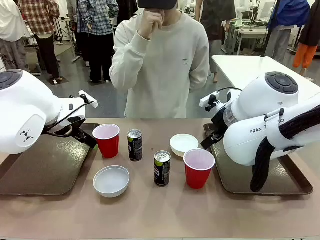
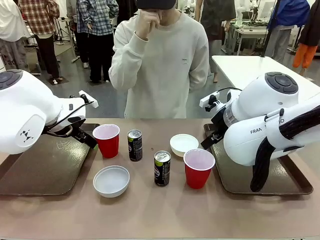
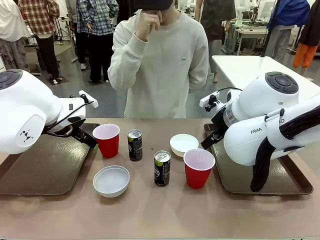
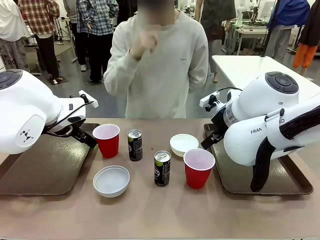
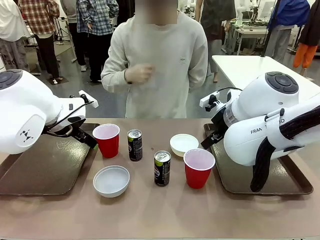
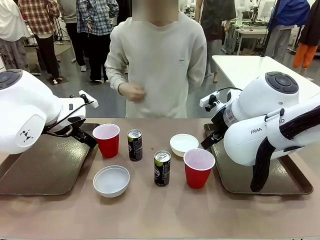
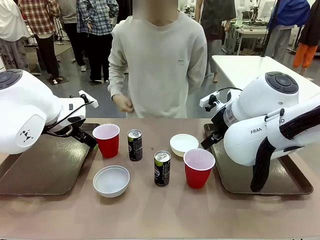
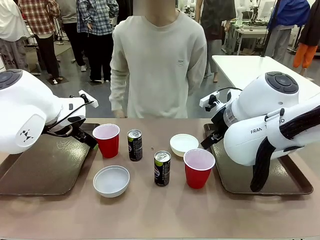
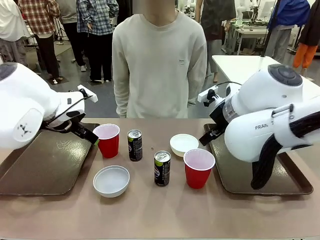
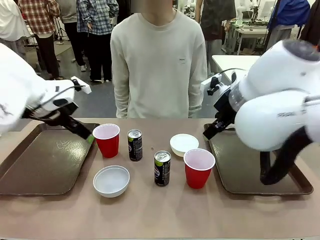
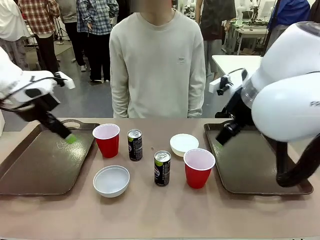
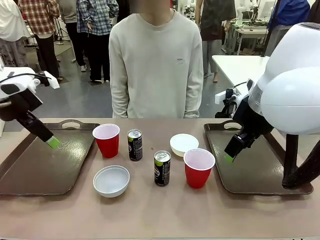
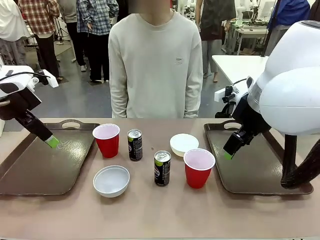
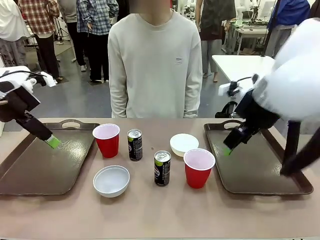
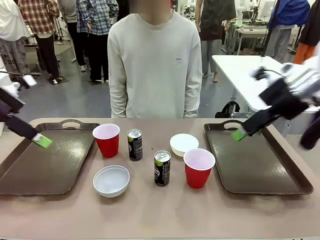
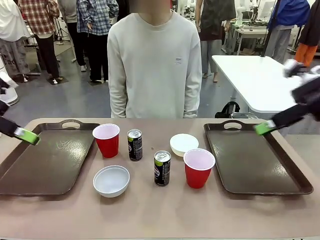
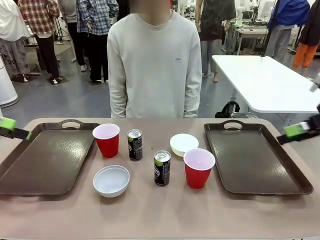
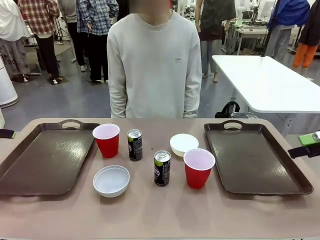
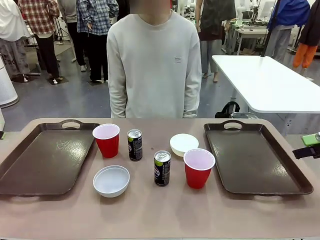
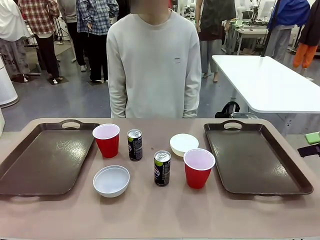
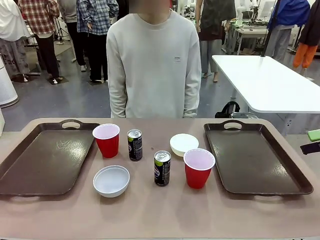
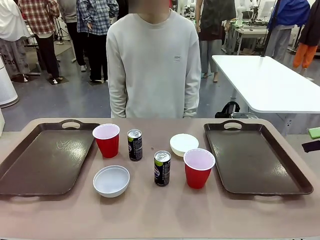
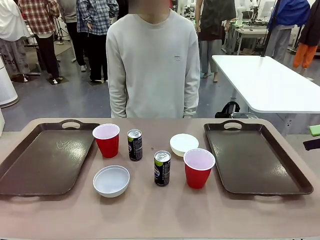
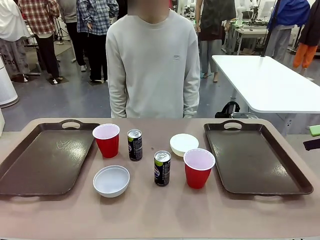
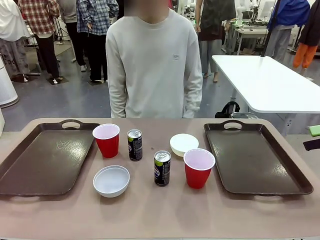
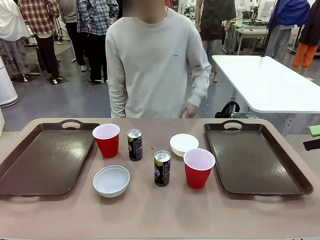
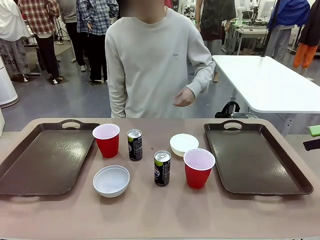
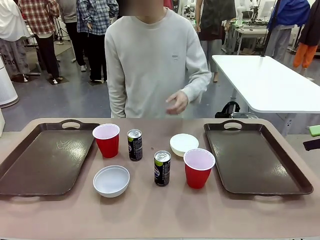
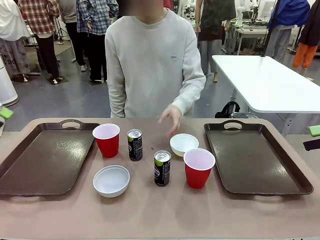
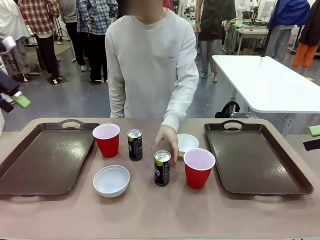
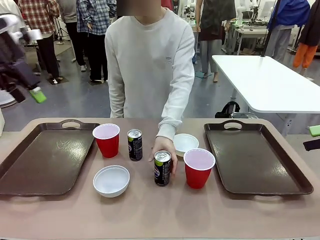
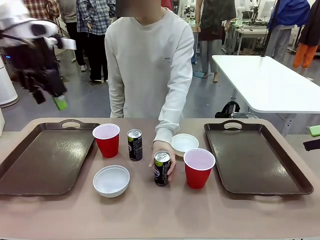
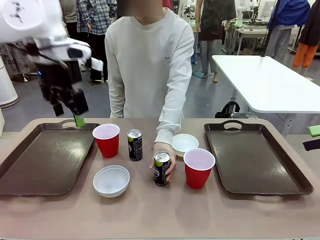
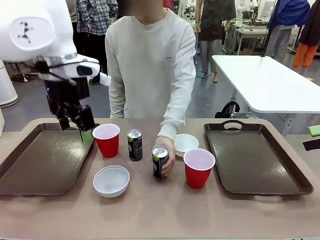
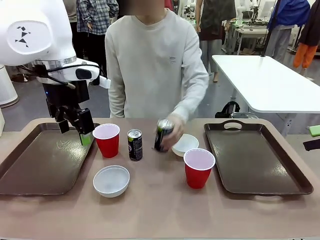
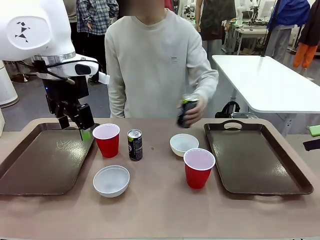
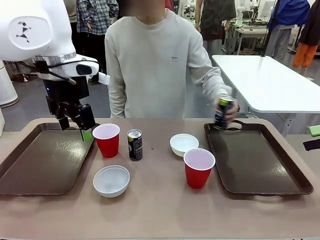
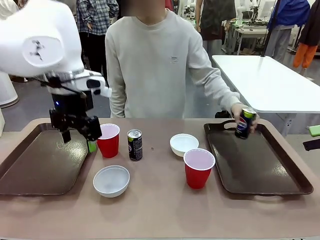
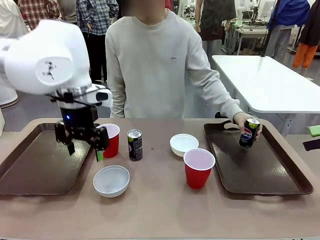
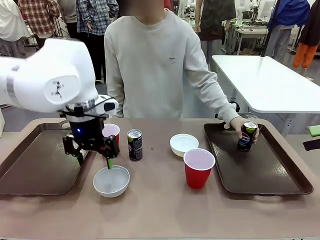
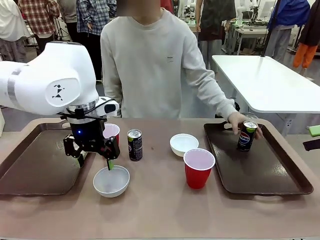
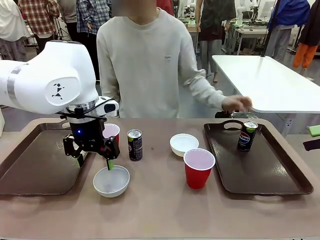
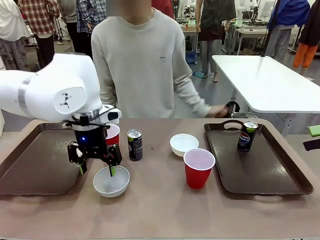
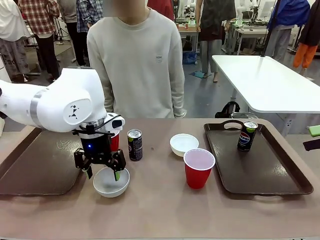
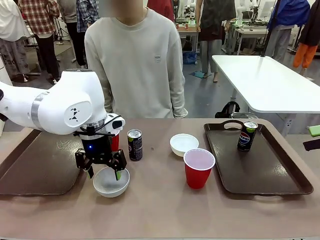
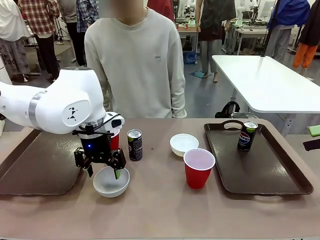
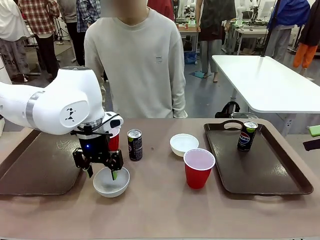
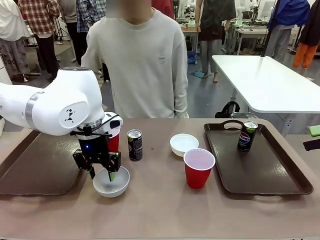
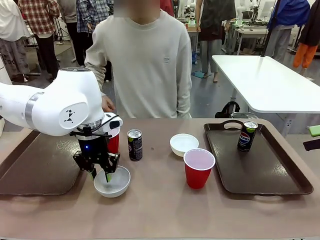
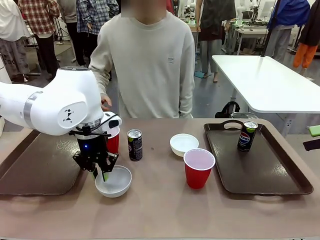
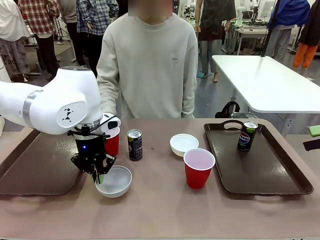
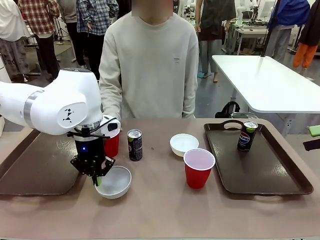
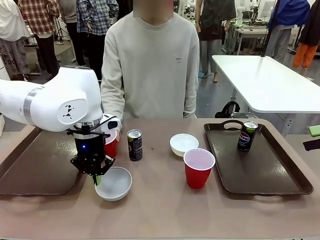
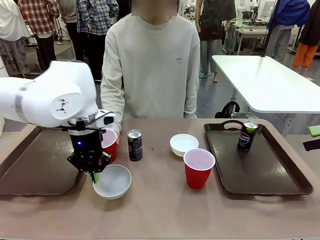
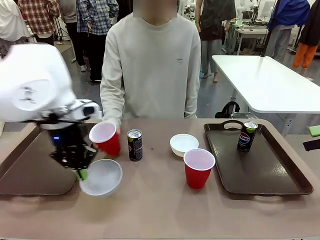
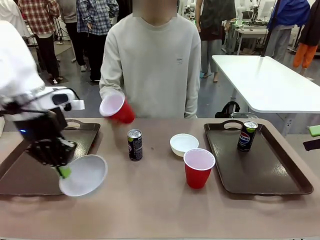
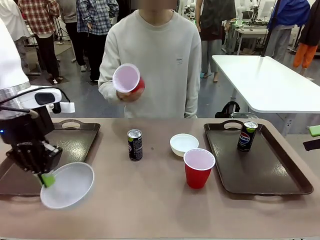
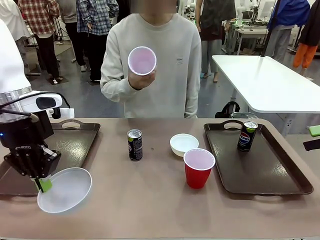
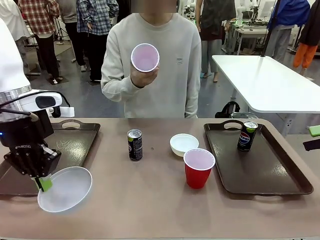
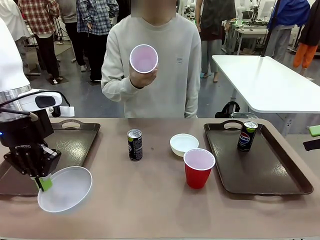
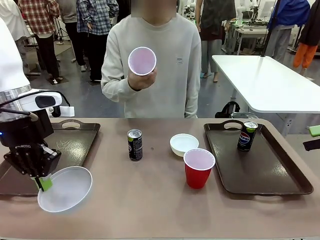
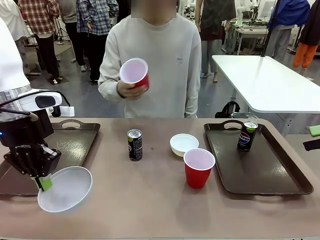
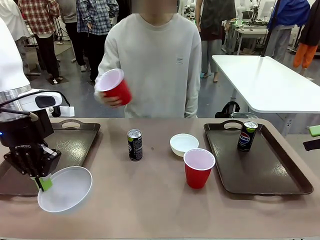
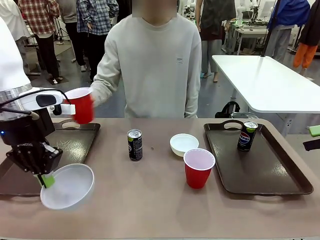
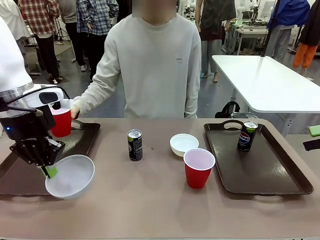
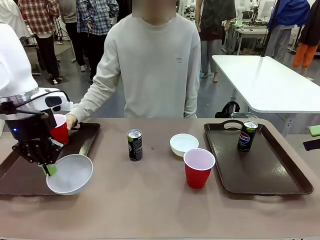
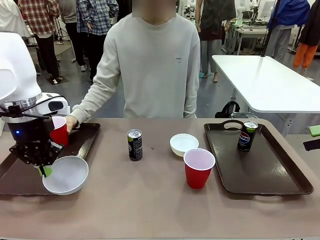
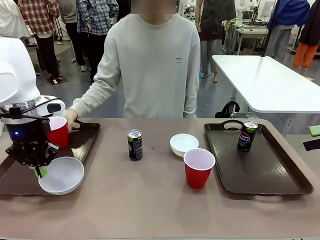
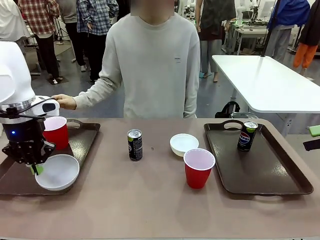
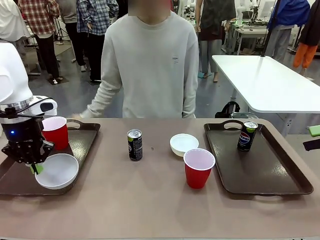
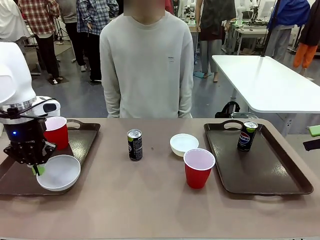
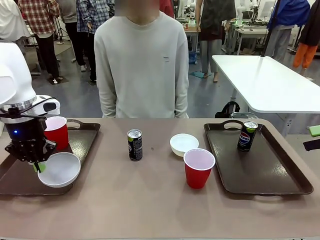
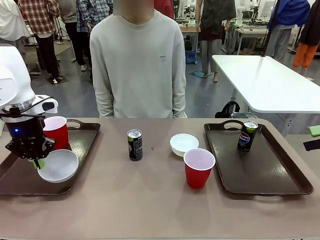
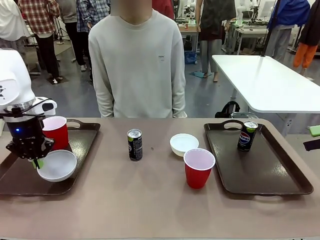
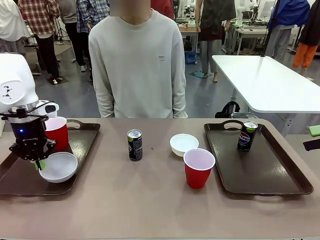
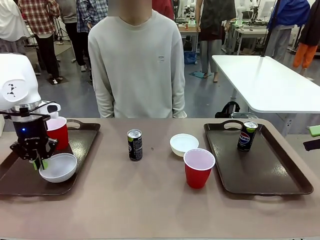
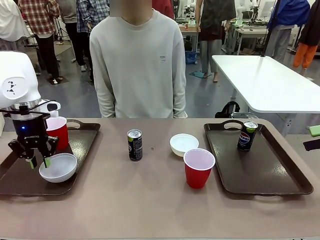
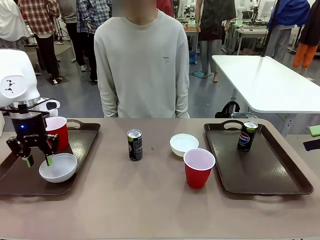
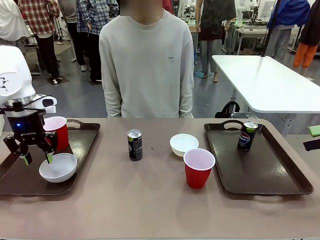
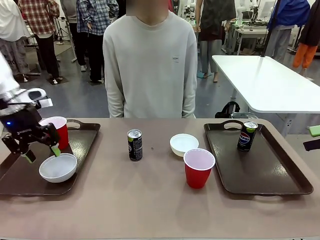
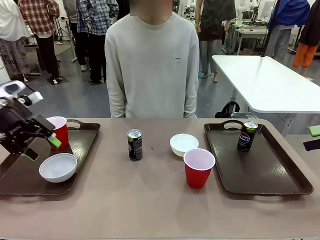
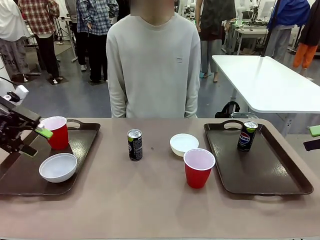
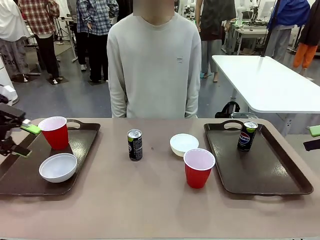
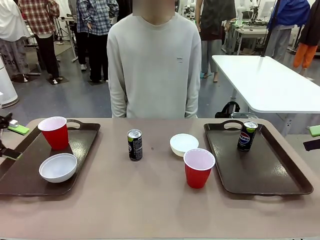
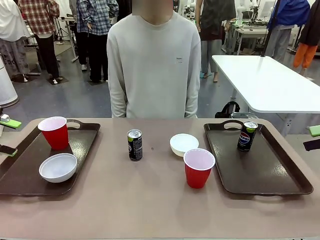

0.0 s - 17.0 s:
Task: Prepare tableware on both trays.
Robot: Pick up a Picnic Bowl from the table and place it on a Handle tray.
Person: Pick up a can or cup and place it on the tray.
